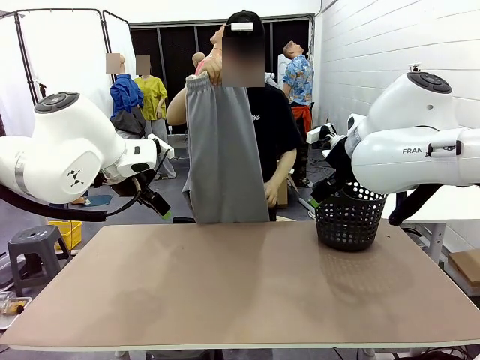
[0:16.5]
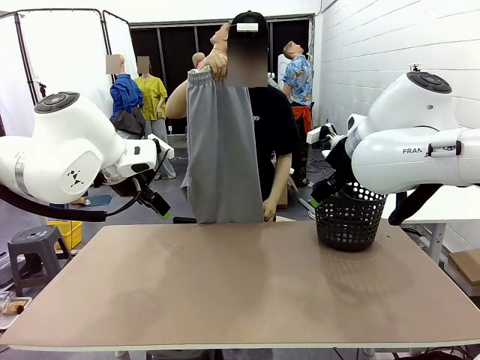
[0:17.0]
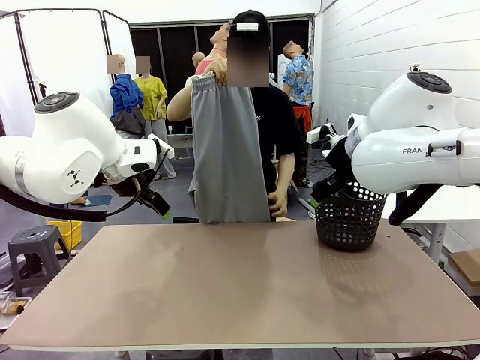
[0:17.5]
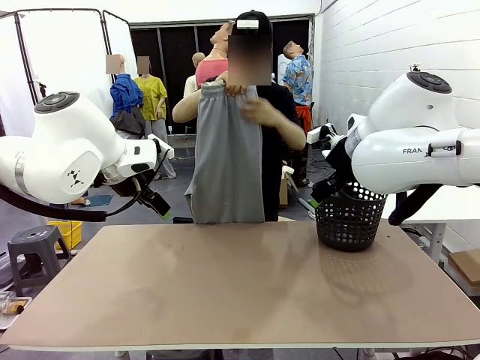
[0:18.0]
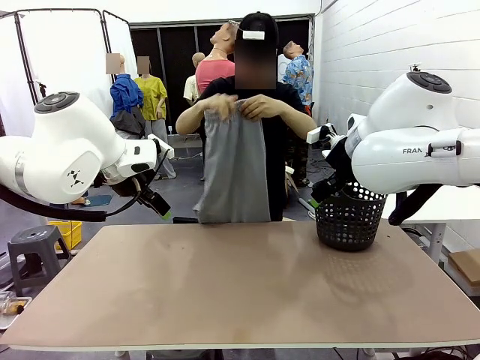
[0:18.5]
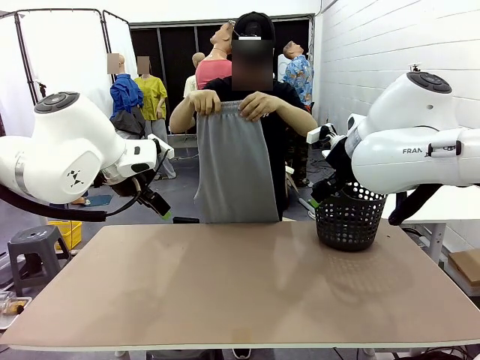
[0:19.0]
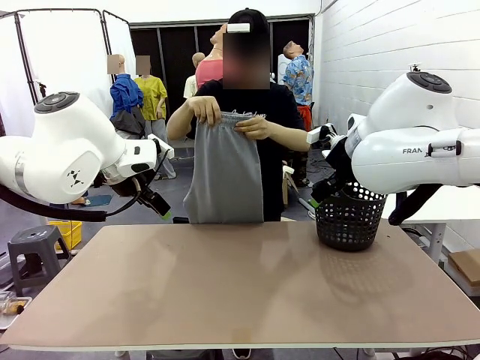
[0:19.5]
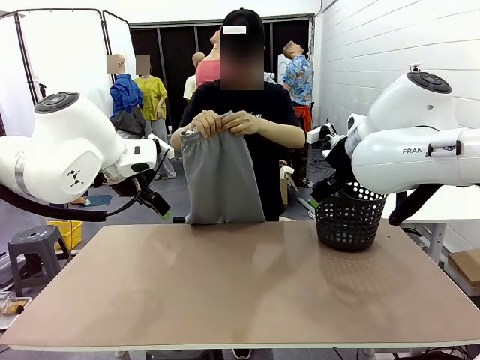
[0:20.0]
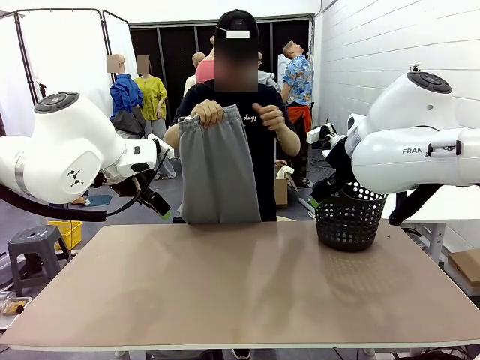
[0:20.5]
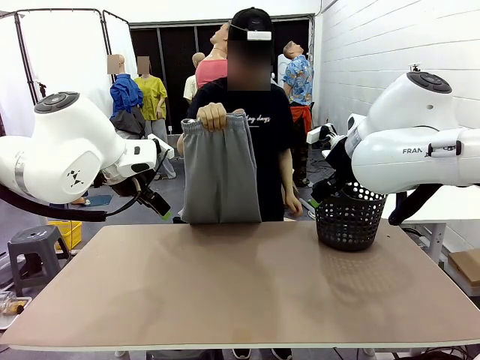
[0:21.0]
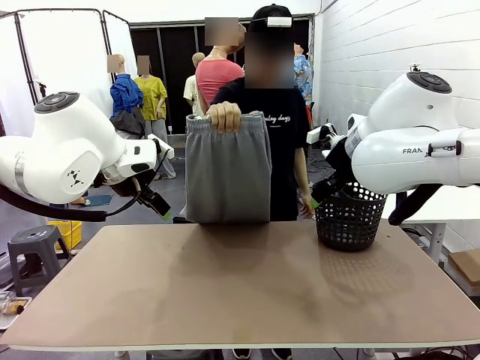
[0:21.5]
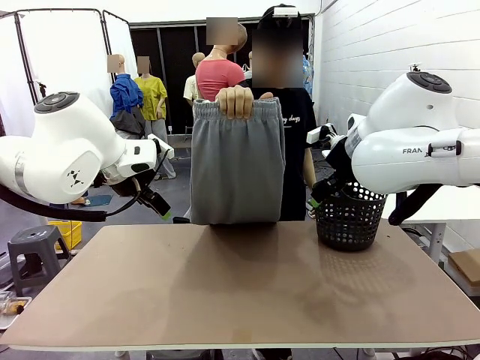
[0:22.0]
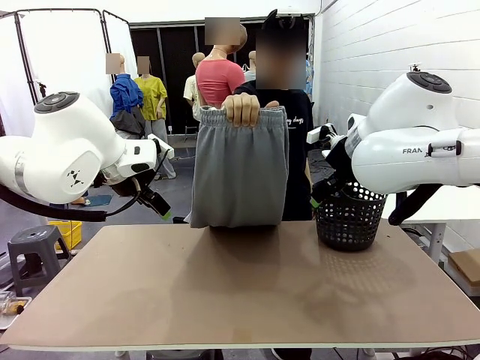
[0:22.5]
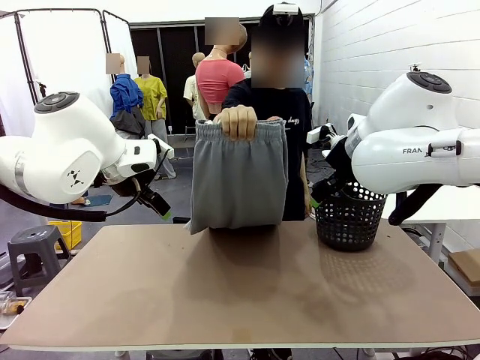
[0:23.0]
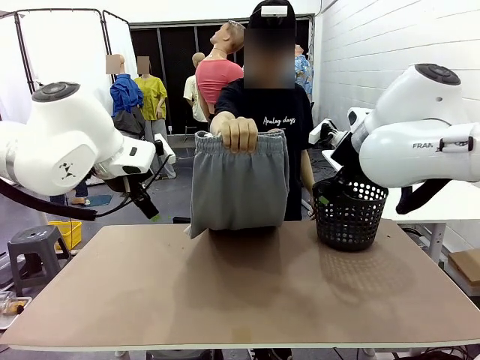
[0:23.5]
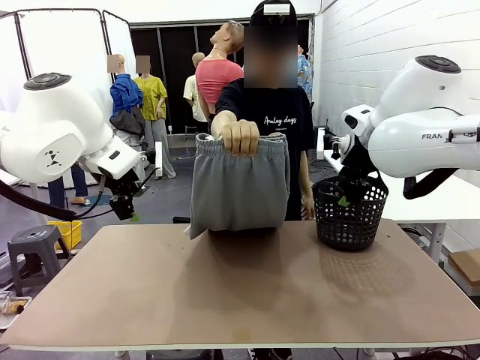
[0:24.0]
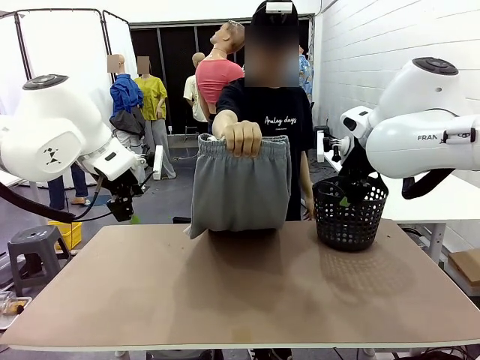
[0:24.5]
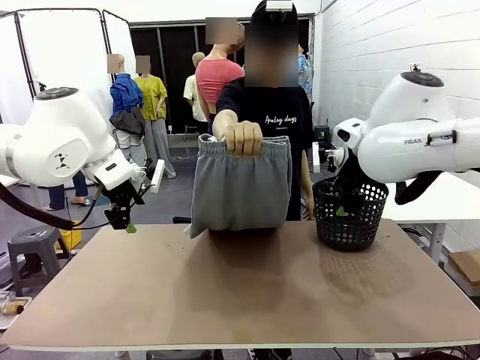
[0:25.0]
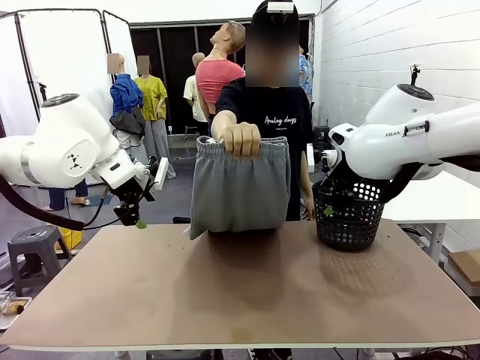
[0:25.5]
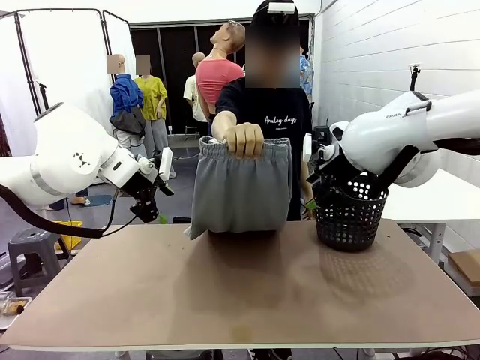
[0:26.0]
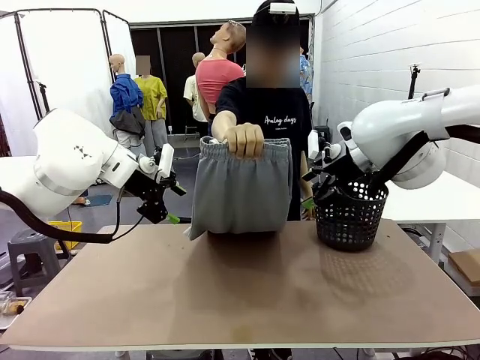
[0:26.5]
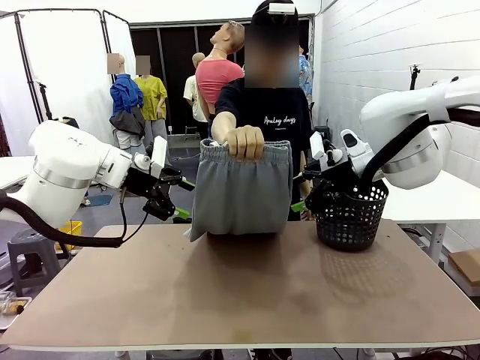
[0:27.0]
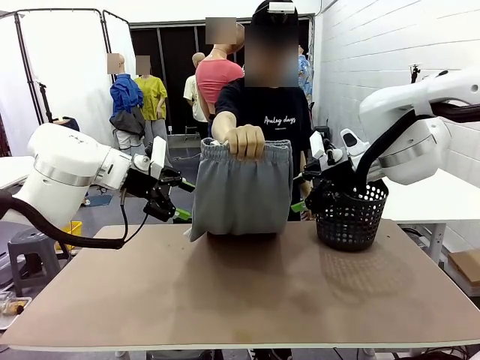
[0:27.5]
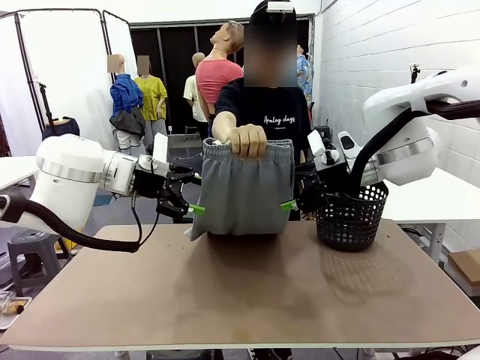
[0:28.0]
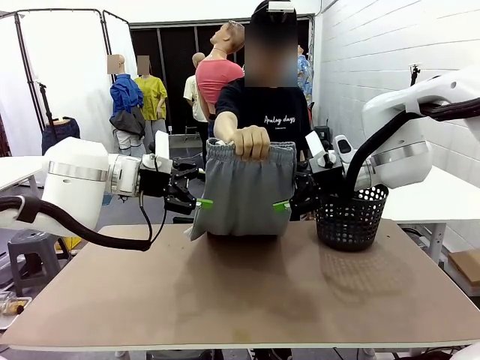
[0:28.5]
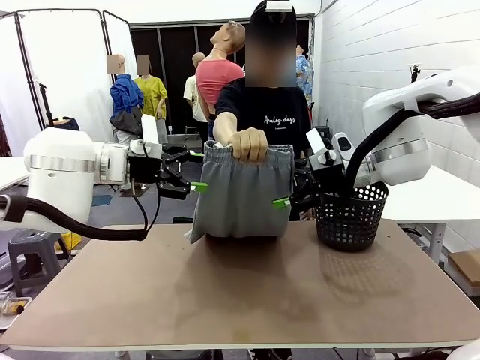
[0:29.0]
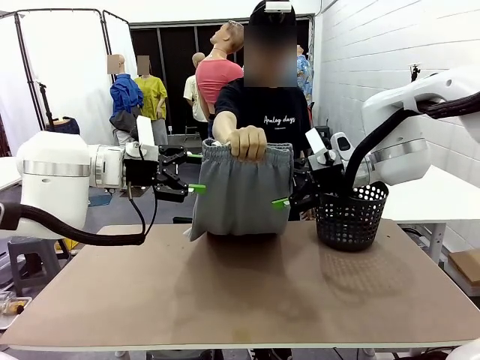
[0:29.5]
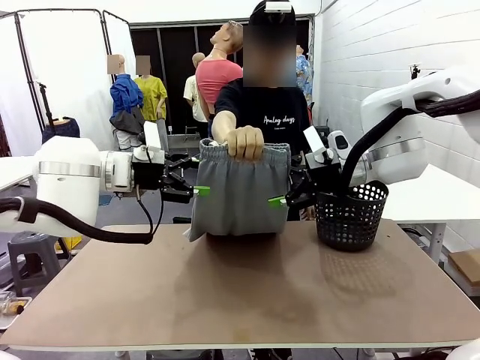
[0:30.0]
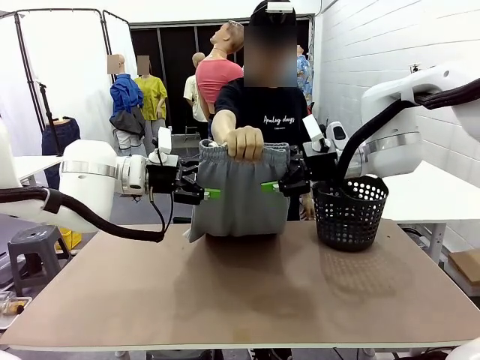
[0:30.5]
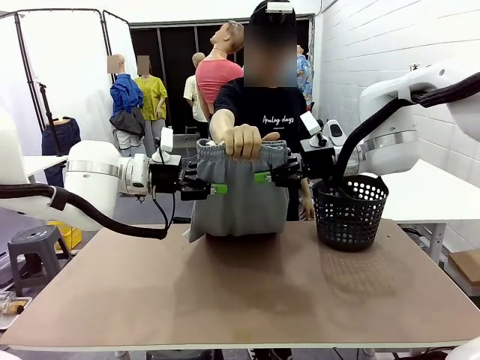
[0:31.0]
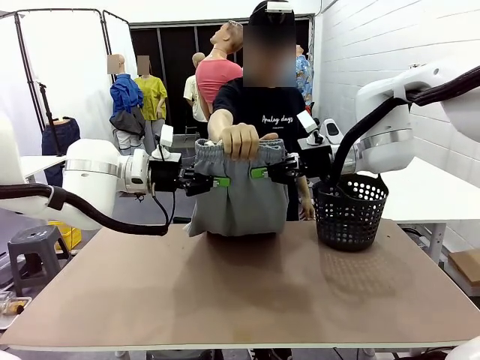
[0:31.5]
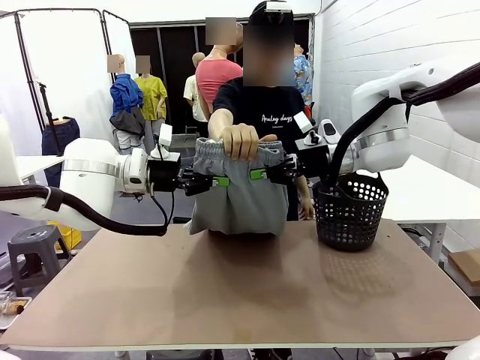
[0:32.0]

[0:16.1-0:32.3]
Task: Fold the training pants.
Robot: Grab both ends of the Training pants handed by a person.
